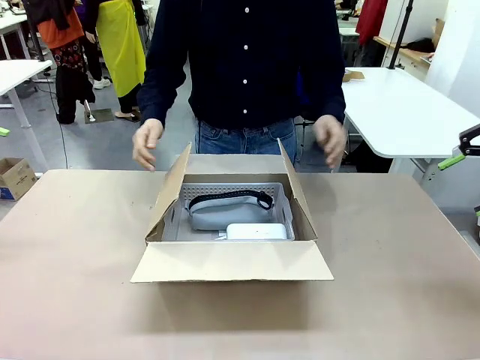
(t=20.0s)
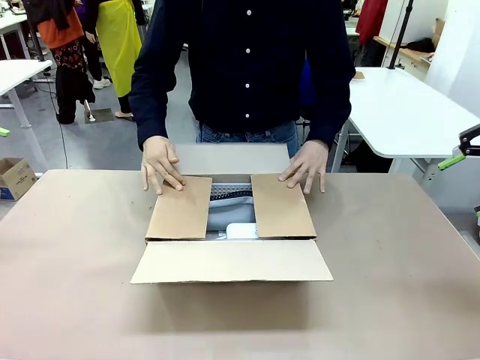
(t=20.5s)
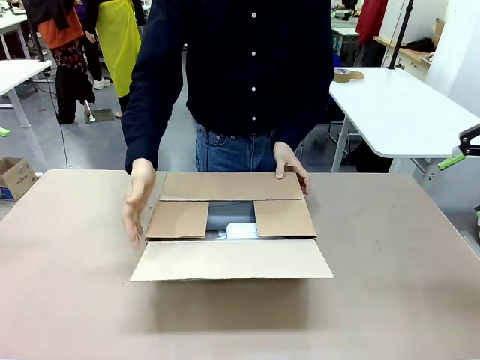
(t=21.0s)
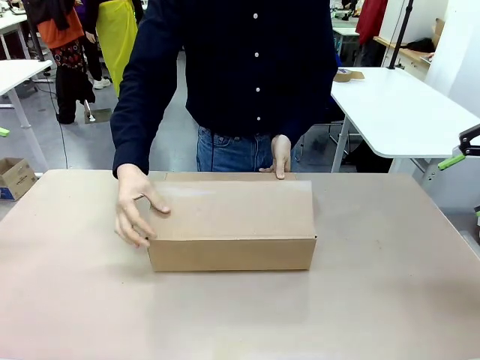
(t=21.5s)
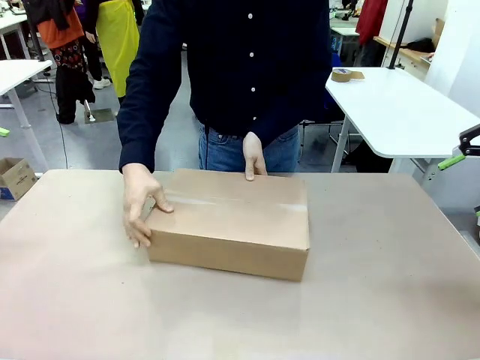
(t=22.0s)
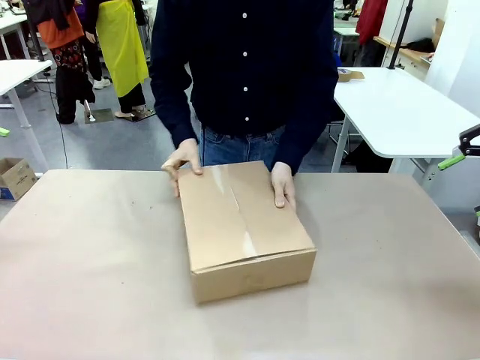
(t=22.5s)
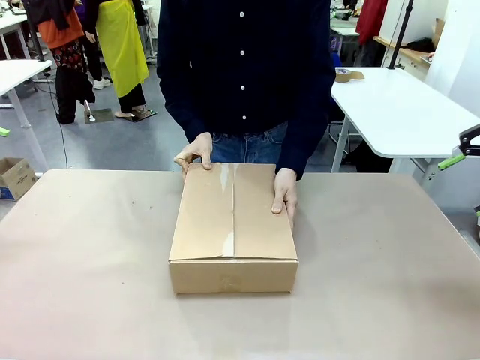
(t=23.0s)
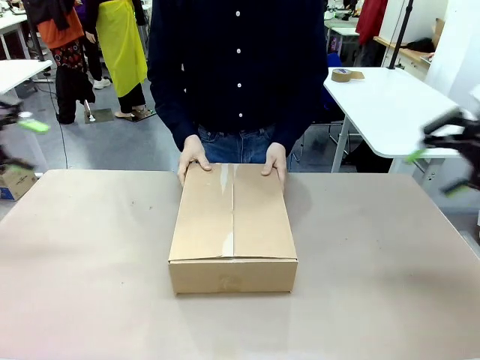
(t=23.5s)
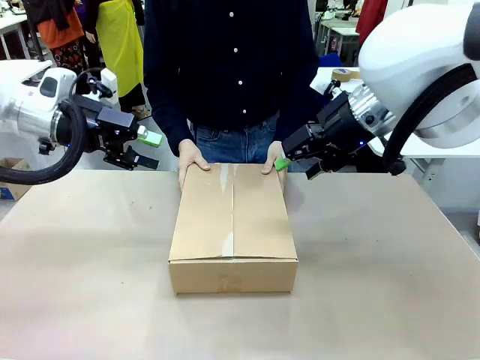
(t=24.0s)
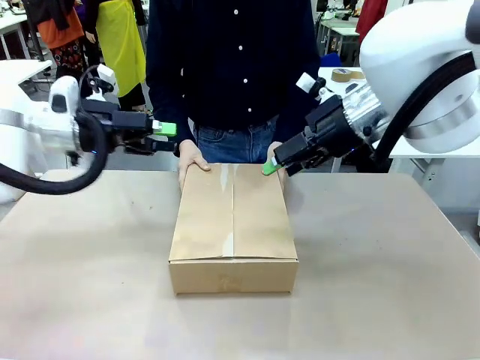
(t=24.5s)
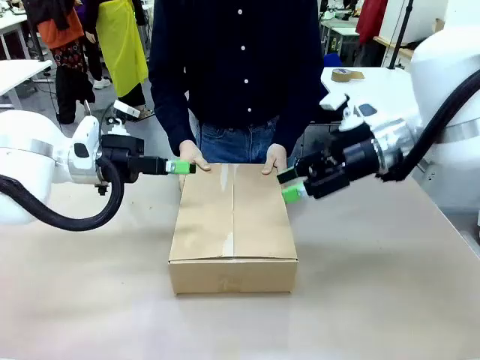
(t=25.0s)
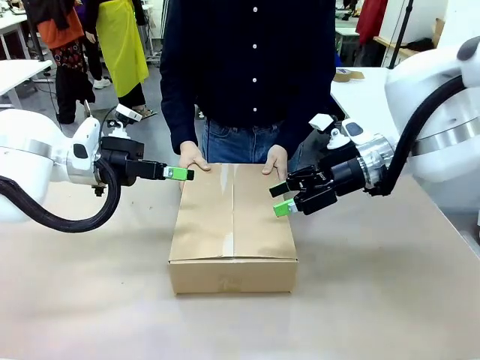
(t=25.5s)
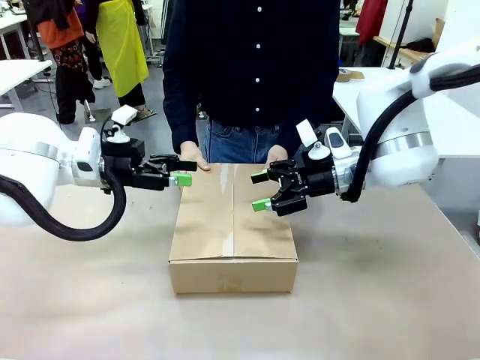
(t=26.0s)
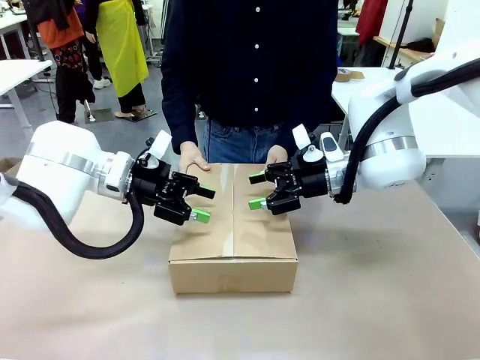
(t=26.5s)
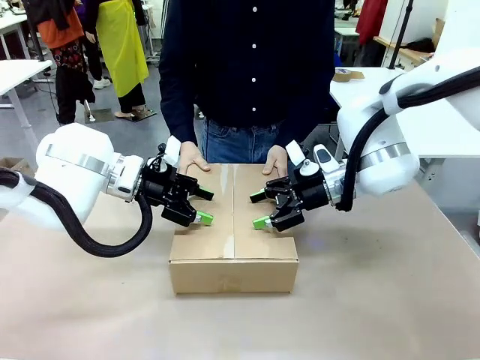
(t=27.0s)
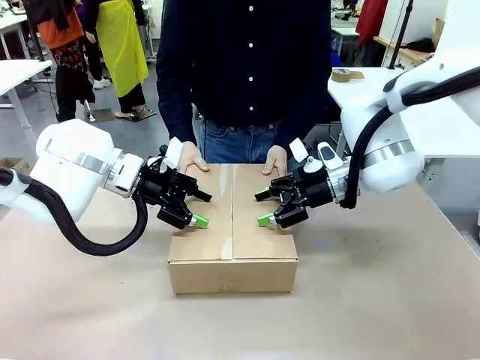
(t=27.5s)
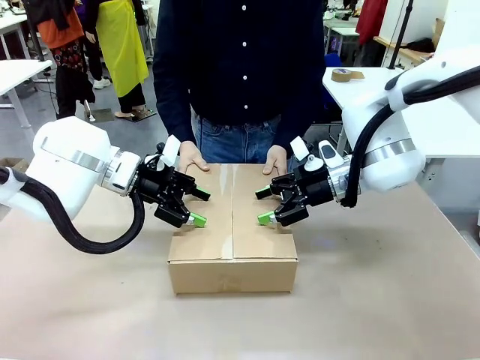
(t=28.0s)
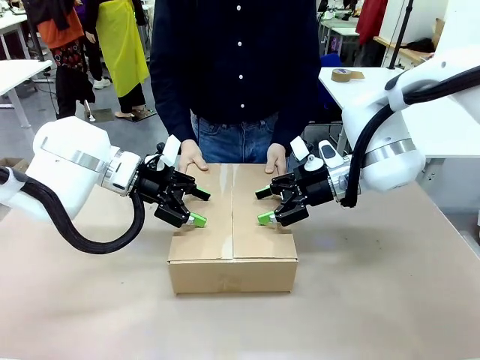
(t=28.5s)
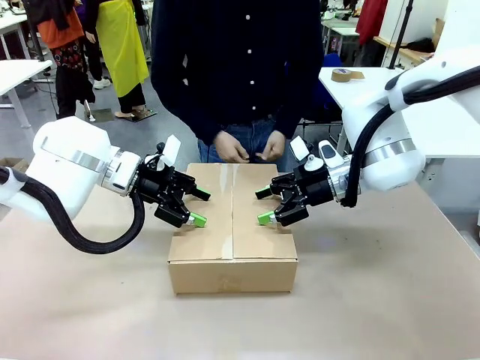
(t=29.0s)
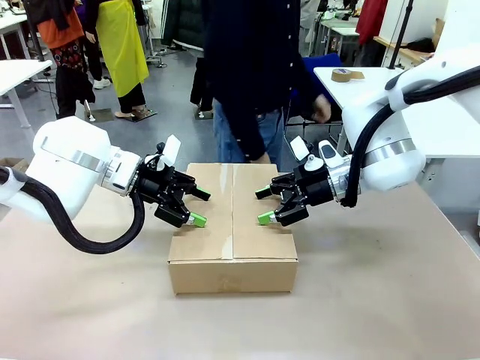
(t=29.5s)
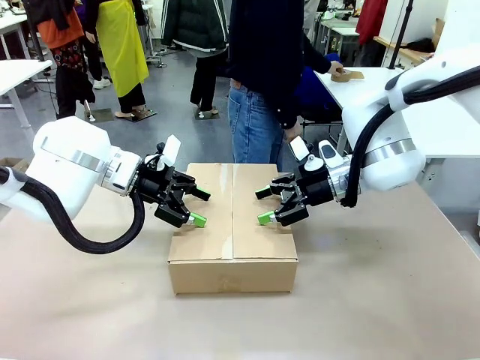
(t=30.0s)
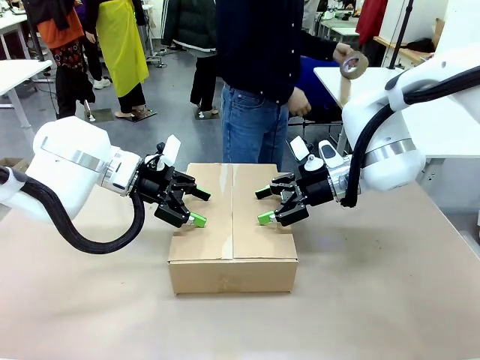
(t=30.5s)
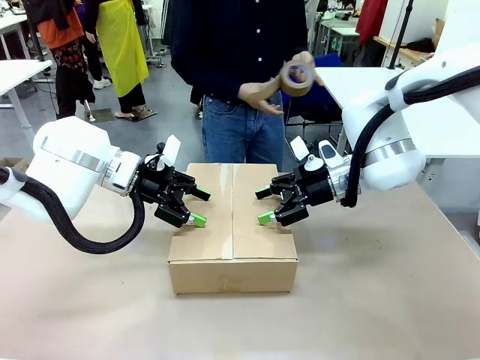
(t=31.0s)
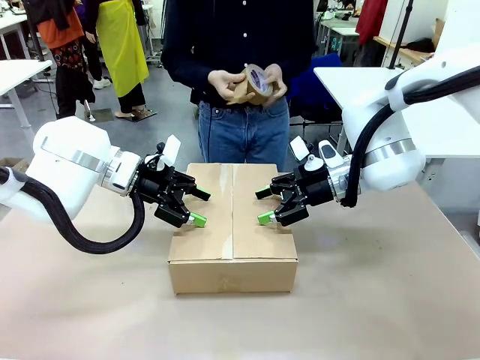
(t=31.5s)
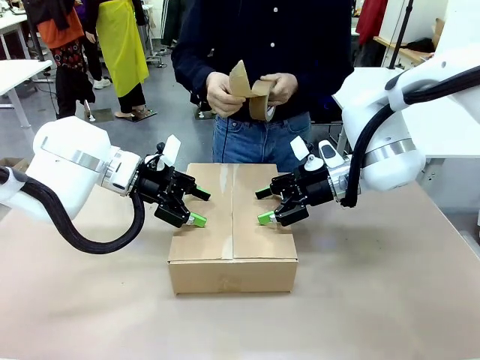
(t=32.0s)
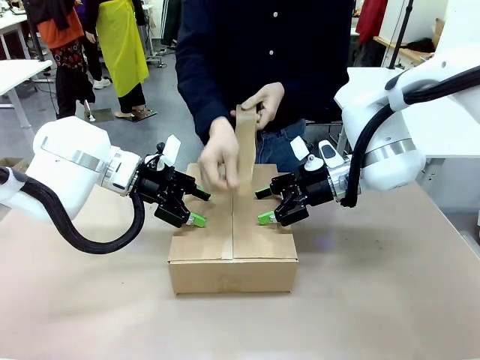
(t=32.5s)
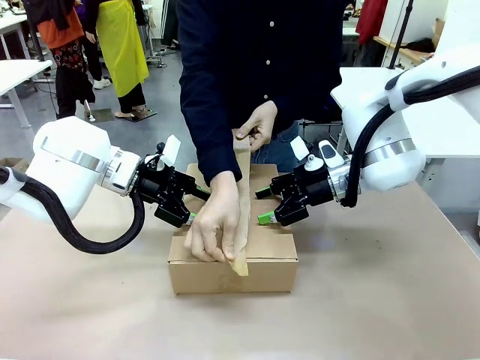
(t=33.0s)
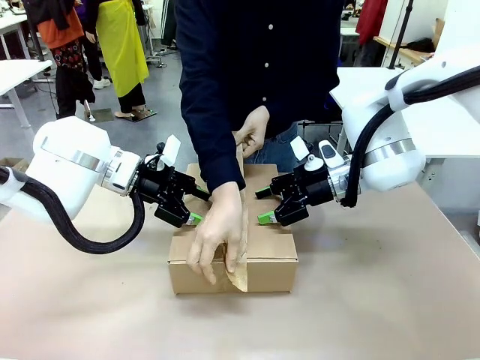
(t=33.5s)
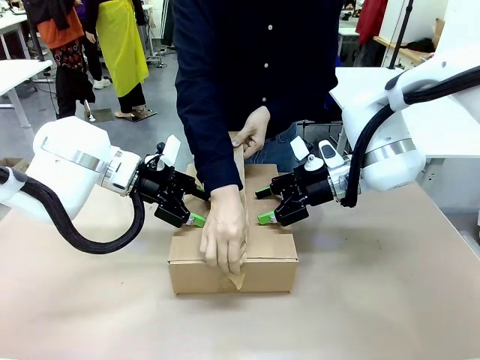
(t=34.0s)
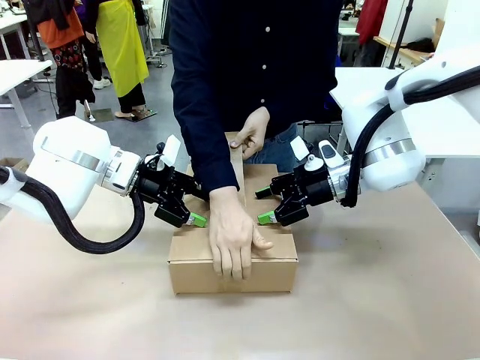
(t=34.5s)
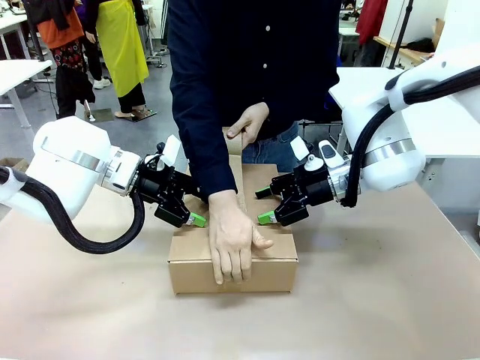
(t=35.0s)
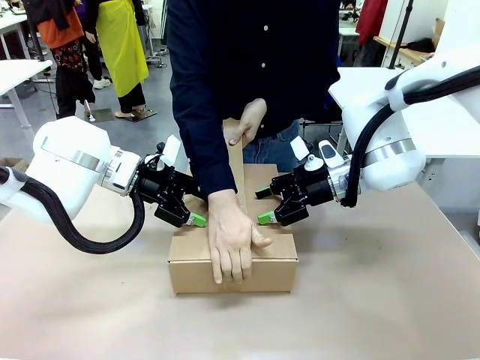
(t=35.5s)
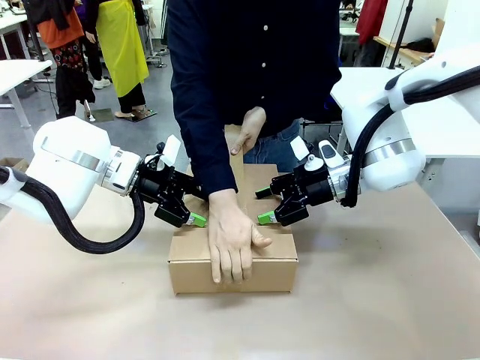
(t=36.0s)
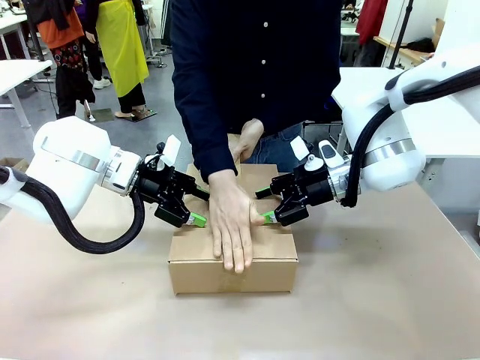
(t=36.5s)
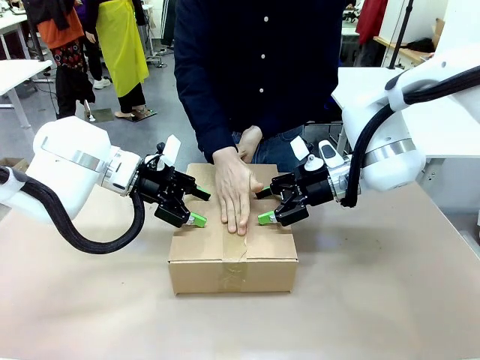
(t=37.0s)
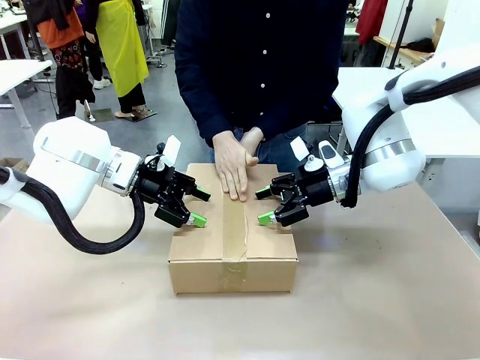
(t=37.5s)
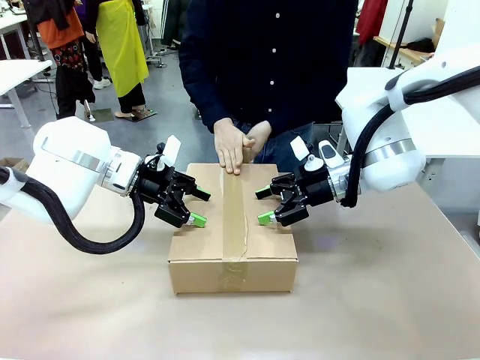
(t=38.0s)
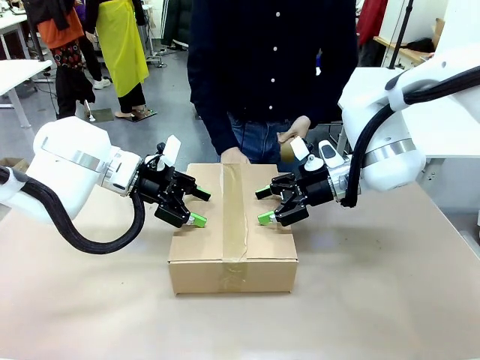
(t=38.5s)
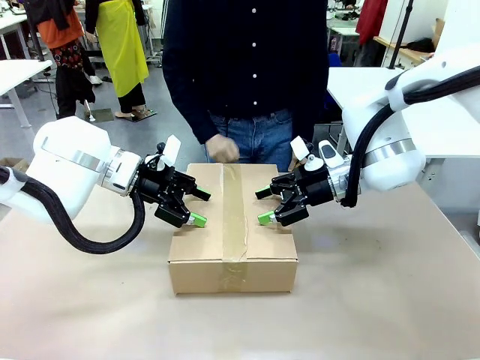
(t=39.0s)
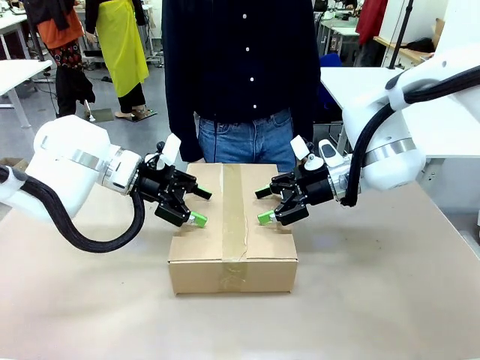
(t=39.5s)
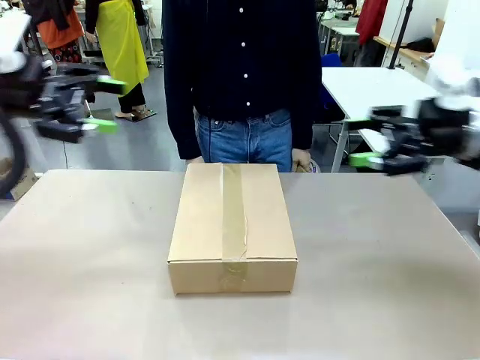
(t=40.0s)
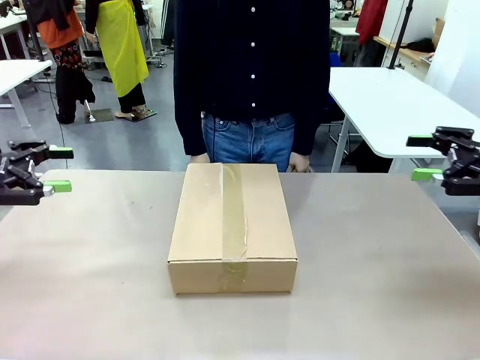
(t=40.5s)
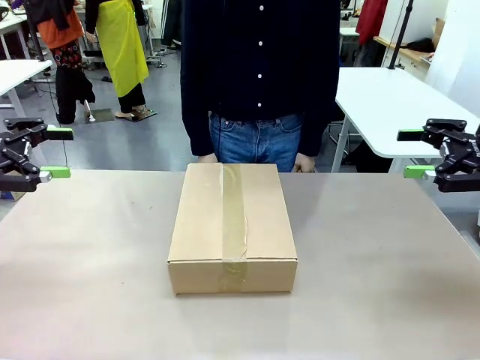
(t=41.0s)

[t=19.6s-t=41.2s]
Task: Pack the gift set into the box.
Robot: Press and hold the closed box until the human finishes sealing it.
Person: The human closes the box and rotates the box by 90 degrees. The human picks up the paper tape from the human table and packs the box.
